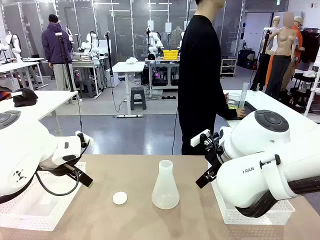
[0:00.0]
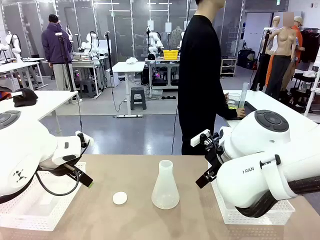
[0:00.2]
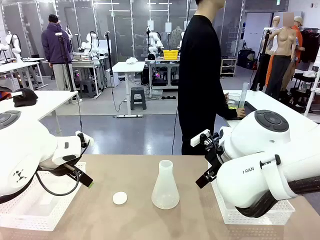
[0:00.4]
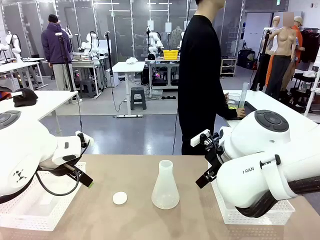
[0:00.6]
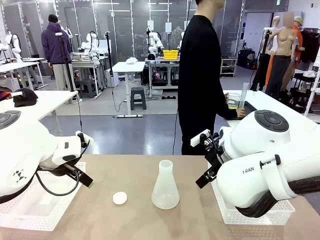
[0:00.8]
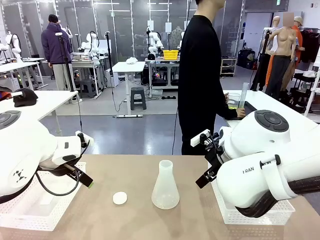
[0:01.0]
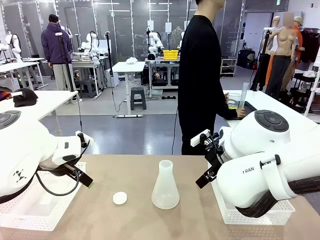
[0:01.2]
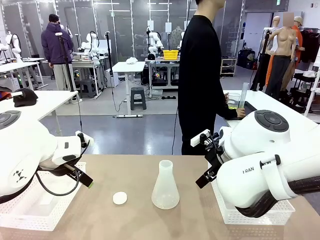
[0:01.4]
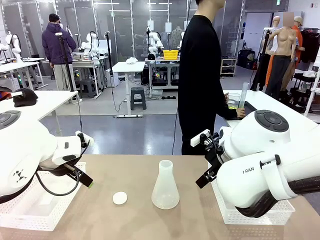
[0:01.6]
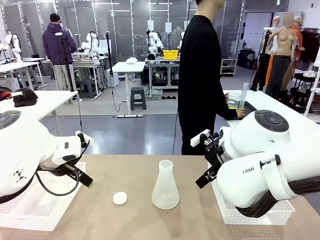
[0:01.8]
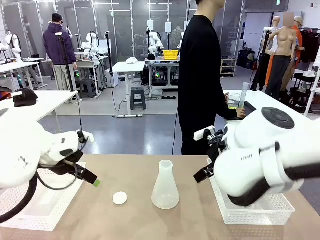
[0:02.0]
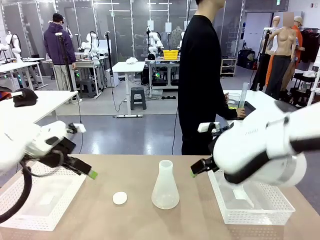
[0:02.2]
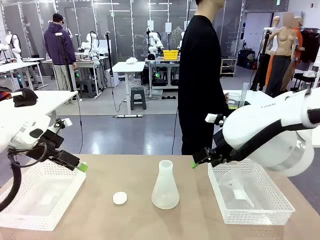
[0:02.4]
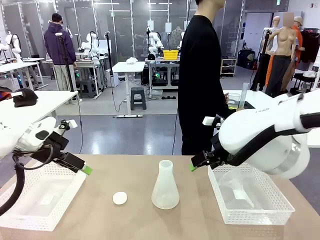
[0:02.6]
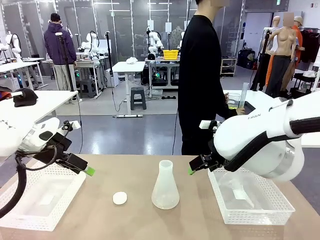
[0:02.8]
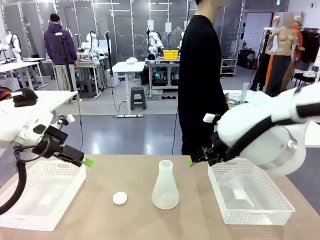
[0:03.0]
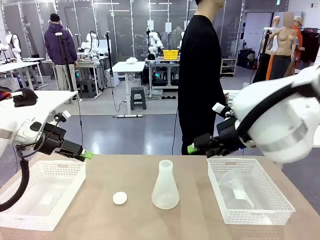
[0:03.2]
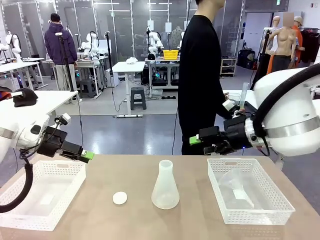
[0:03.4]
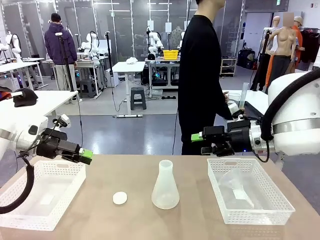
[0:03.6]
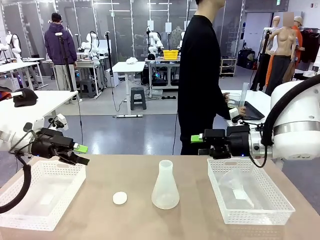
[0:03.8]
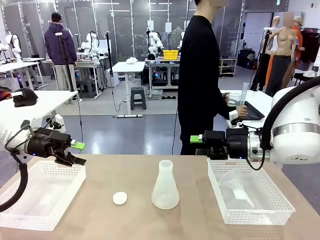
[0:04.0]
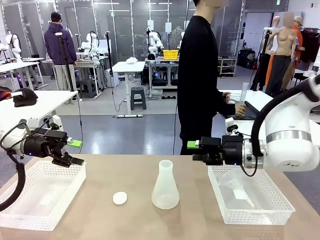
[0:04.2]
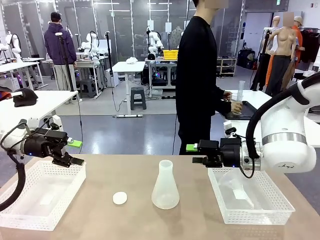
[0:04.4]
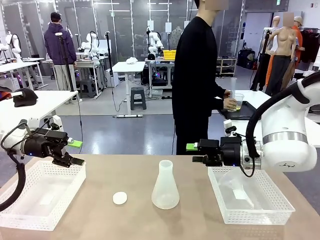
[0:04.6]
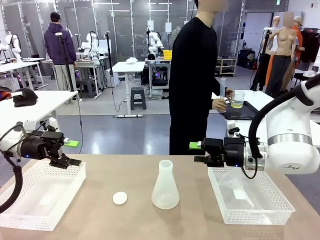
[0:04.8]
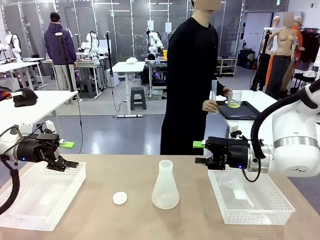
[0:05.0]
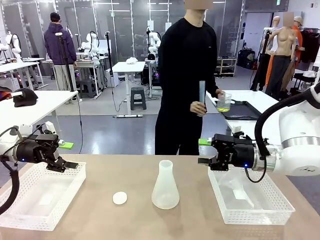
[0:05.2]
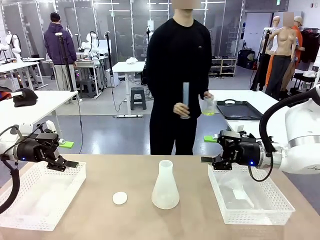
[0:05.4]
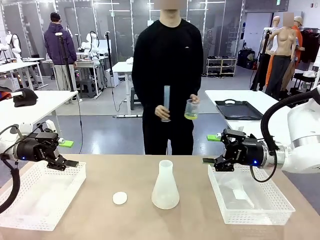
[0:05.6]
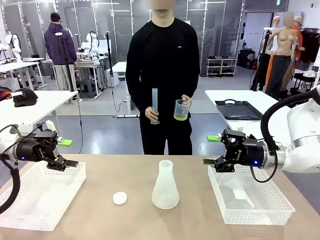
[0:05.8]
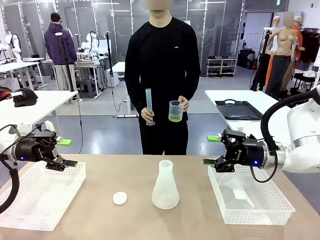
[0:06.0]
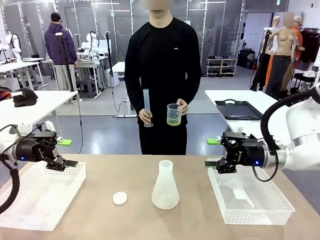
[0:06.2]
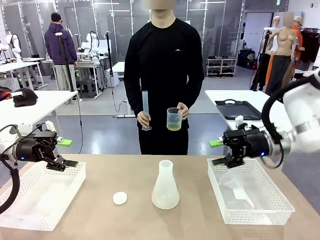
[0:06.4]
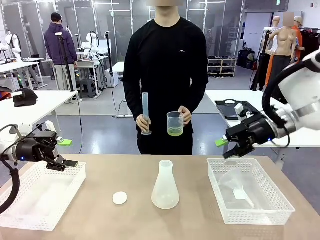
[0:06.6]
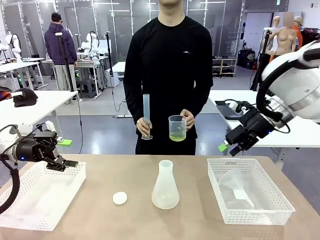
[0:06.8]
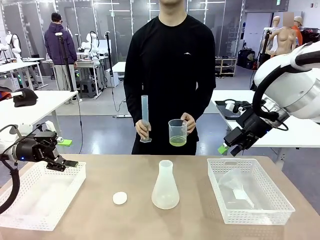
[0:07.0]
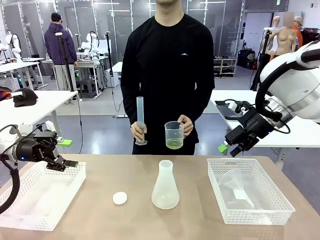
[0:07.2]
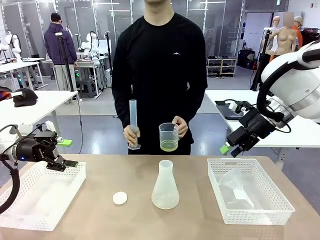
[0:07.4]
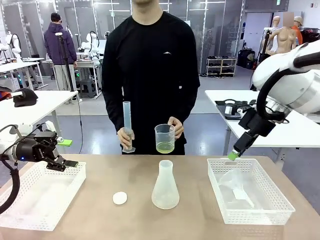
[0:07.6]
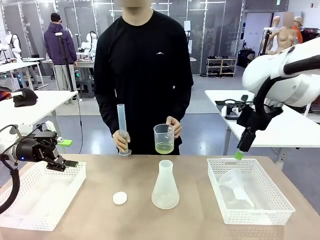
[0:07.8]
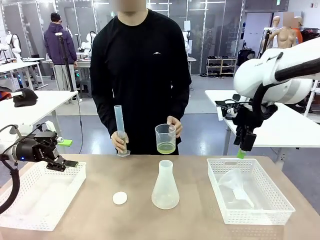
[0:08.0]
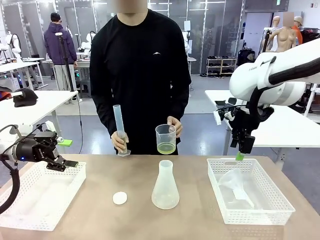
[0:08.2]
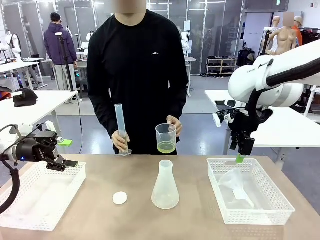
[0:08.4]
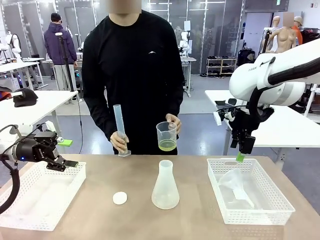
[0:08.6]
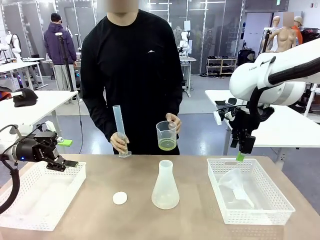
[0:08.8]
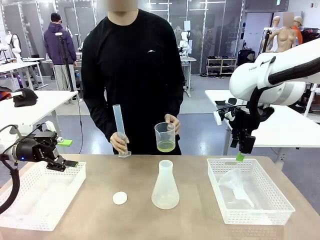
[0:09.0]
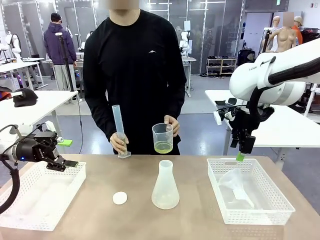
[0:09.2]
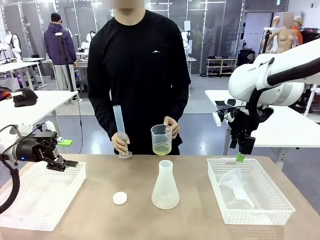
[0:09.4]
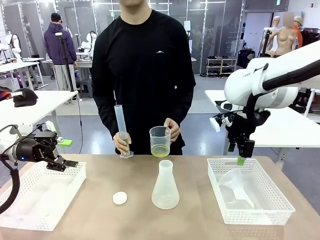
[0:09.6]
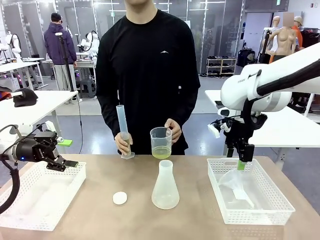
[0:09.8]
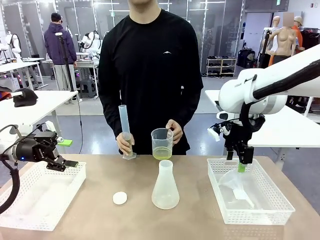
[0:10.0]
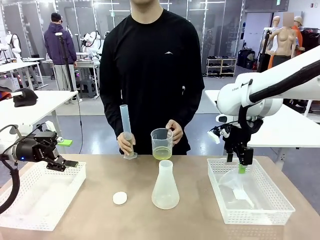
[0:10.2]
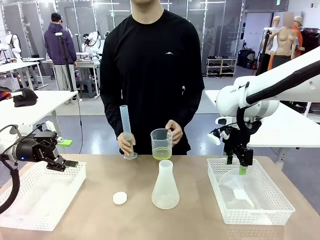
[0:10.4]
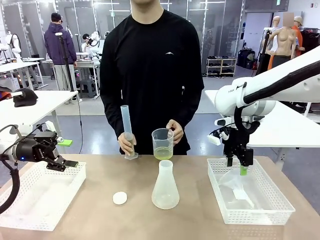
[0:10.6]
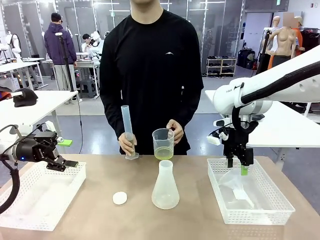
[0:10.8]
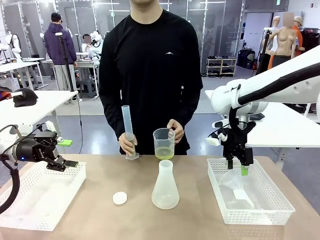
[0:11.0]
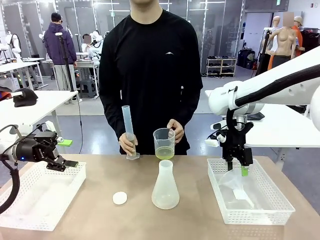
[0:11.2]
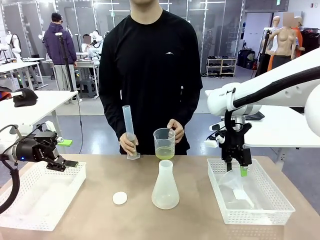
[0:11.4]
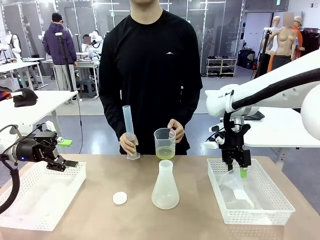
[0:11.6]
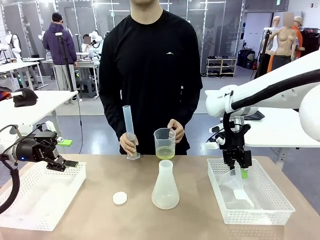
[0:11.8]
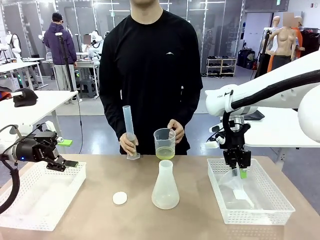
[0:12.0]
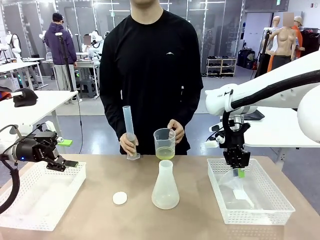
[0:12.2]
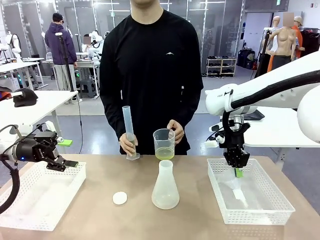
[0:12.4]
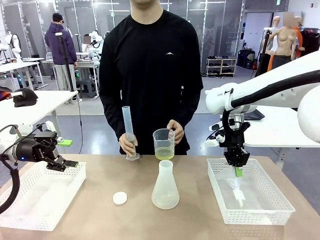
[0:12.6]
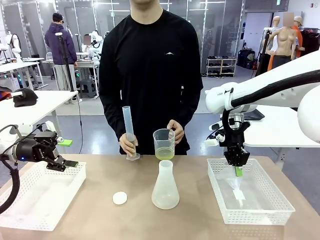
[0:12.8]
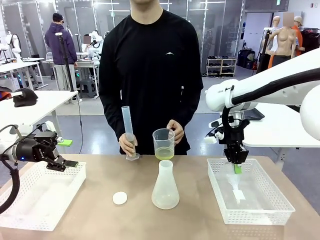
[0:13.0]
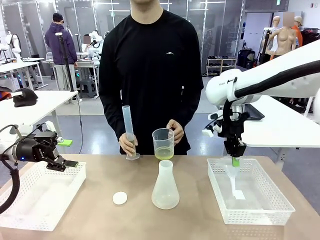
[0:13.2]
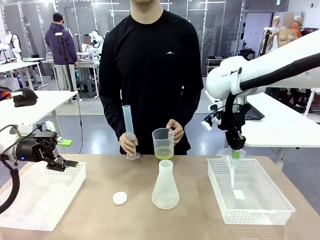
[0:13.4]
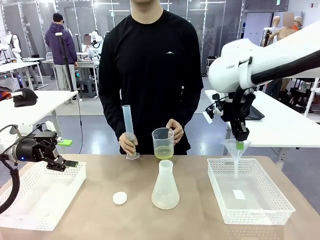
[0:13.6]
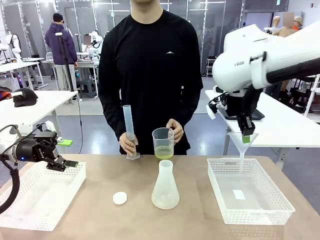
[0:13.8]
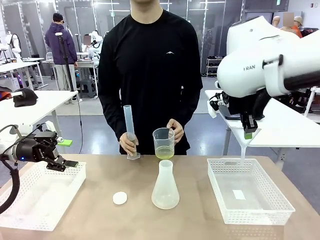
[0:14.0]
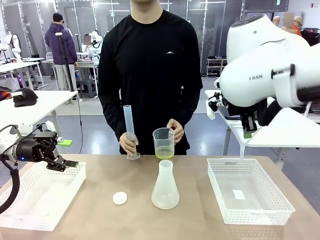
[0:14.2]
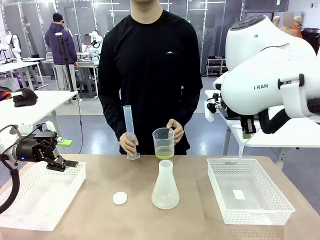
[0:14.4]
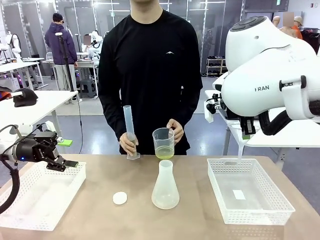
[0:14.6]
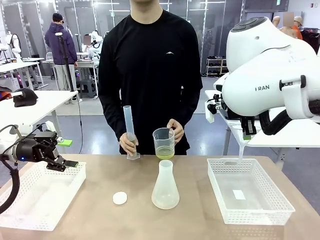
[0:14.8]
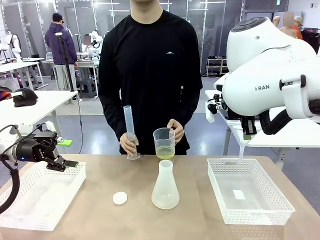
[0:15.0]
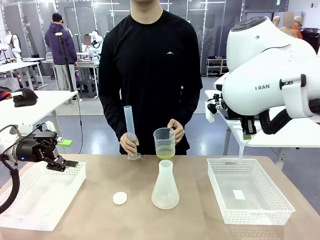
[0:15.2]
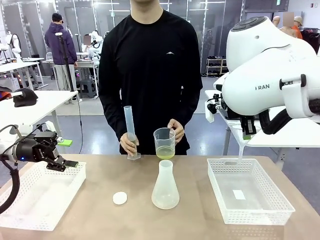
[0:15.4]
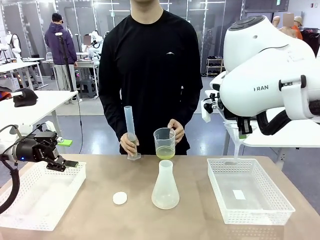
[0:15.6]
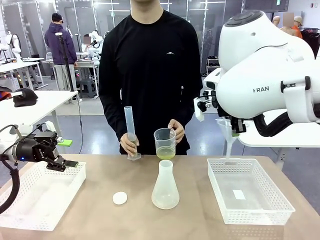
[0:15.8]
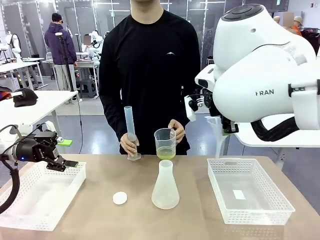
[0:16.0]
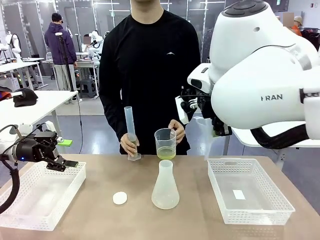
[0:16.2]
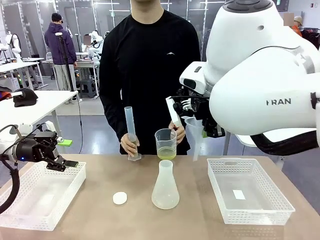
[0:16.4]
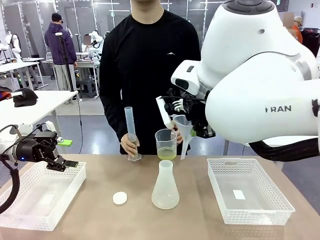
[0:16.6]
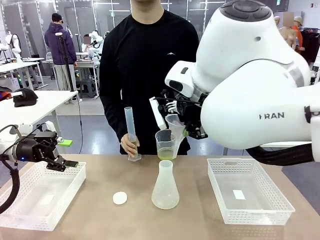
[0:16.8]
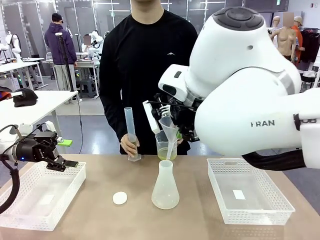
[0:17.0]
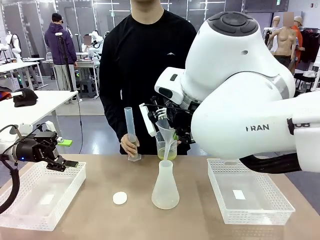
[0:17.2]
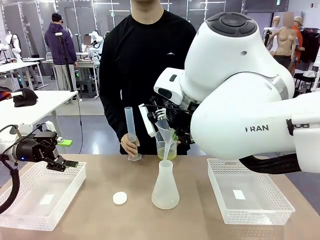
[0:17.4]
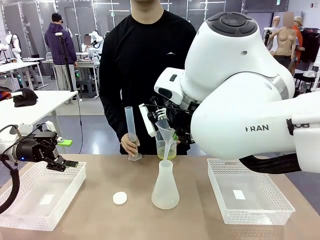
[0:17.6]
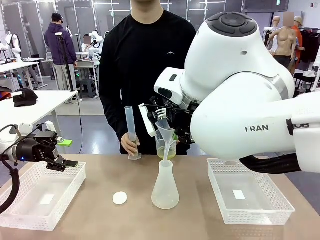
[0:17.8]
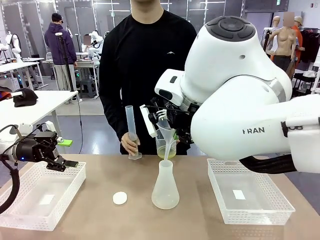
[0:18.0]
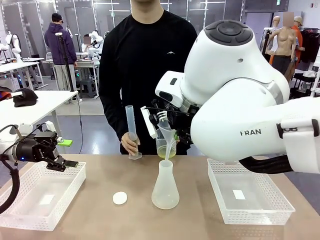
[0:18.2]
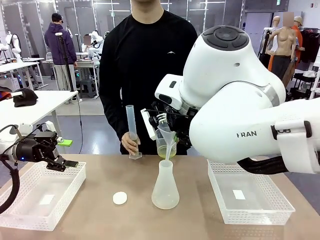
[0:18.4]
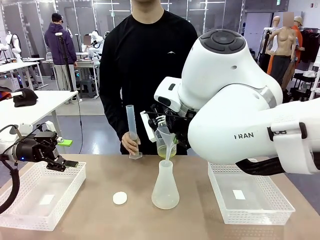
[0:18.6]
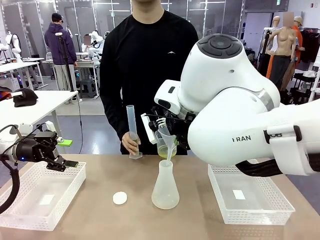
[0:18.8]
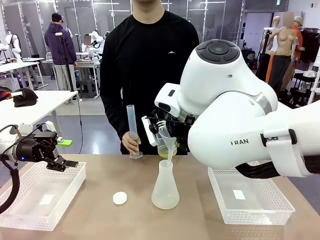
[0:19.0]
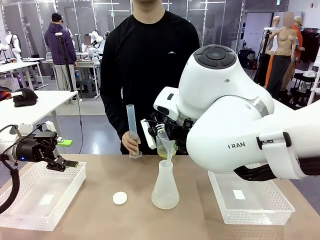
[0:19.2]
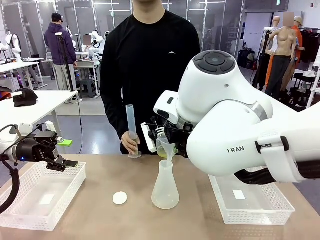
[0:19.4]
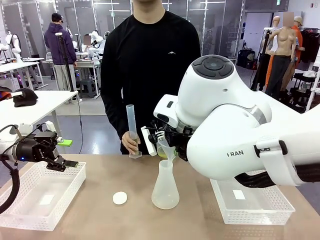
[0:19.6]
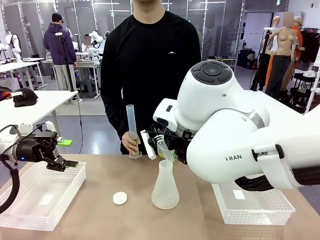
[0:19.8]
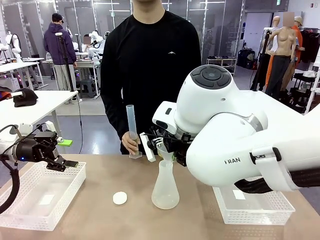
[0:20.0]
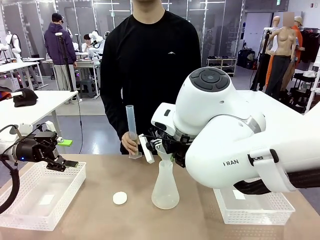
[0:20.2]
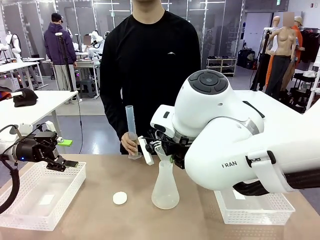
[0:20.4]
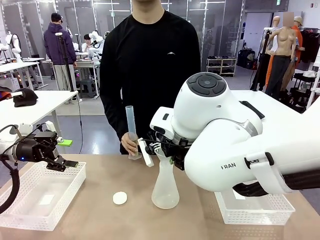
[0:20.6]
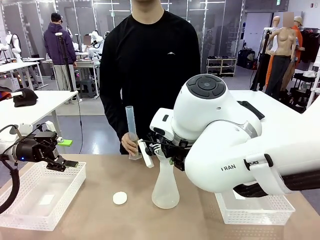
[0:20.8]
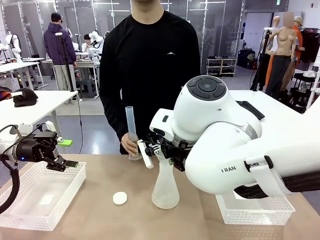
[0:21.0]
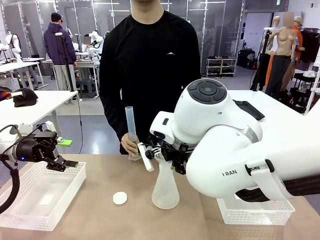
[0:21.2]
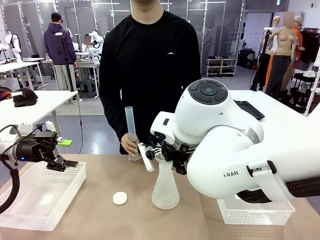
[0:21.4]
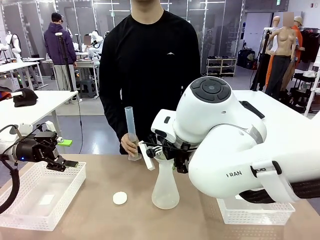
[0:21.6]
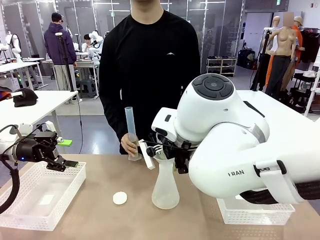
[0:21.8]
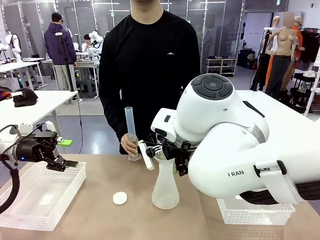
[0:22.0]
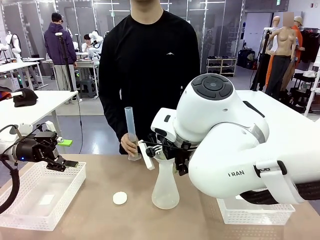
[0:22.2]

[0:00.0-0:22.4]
Task: Prepare the solutions needed for the experiment.
Robot: Pick up the Plastic Funnel and insert it into the Big flask.
Person: Pick up the beaker and the cylinder and move to the middle of the robot table. Pour the solution from the beaker and the cylinder into the flask.
